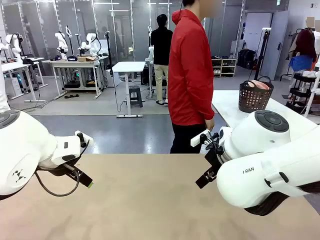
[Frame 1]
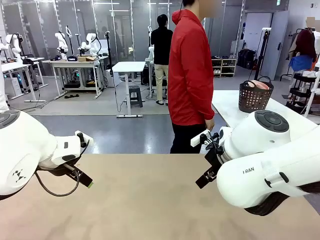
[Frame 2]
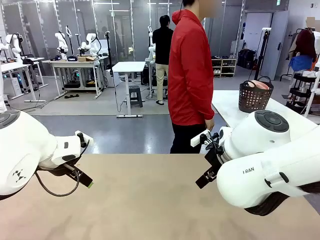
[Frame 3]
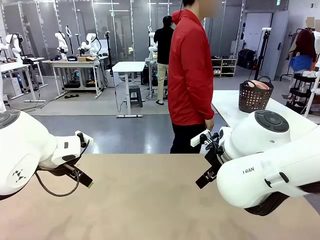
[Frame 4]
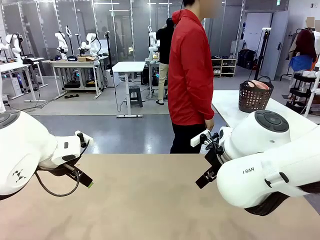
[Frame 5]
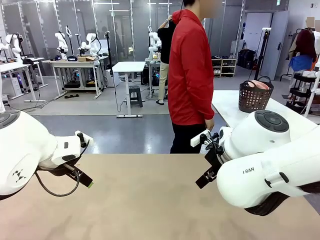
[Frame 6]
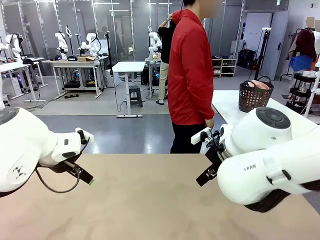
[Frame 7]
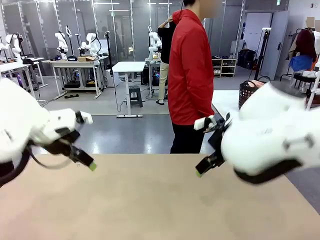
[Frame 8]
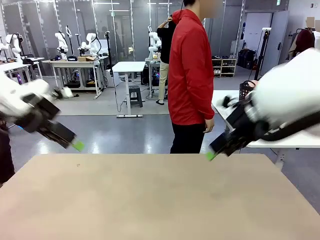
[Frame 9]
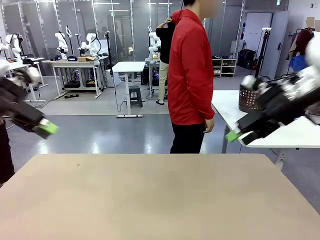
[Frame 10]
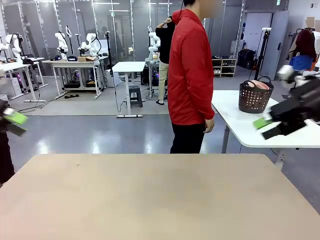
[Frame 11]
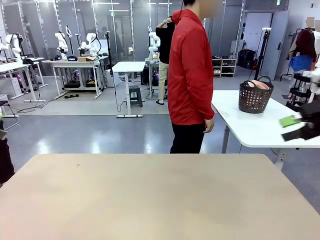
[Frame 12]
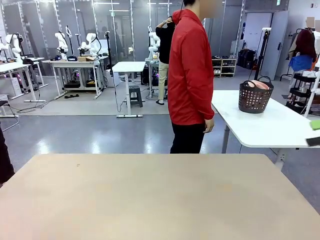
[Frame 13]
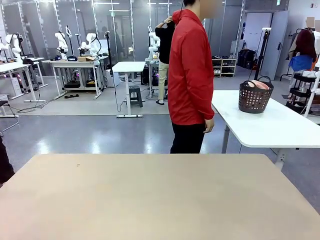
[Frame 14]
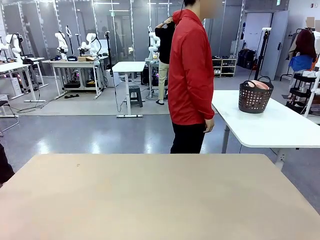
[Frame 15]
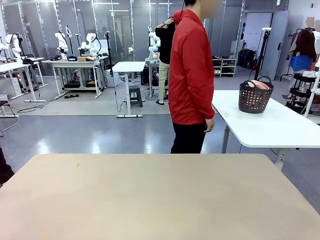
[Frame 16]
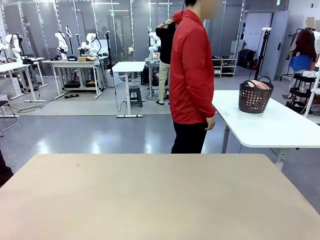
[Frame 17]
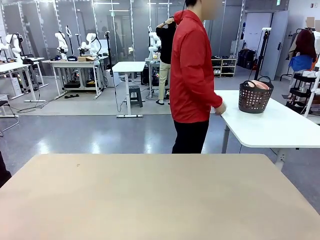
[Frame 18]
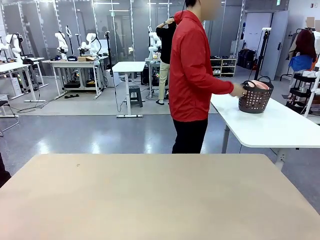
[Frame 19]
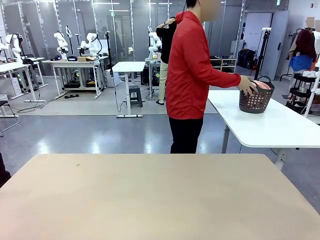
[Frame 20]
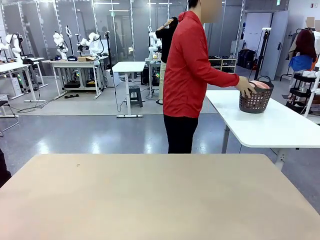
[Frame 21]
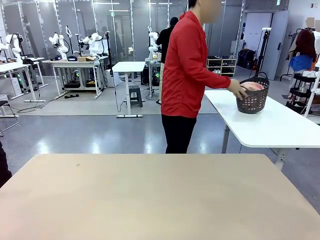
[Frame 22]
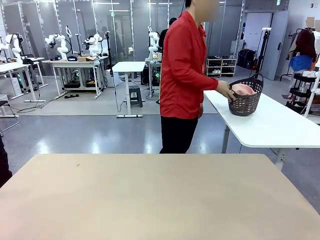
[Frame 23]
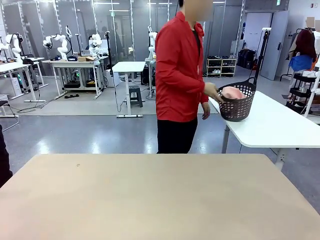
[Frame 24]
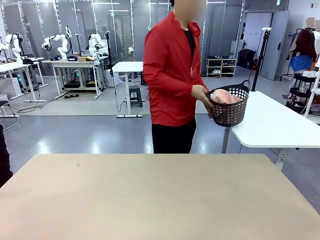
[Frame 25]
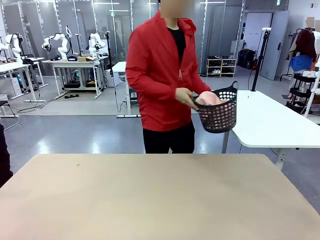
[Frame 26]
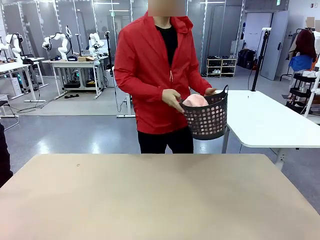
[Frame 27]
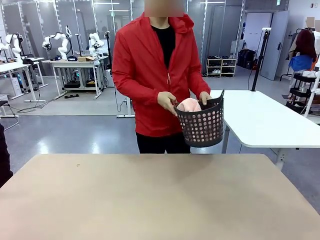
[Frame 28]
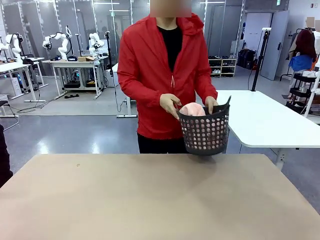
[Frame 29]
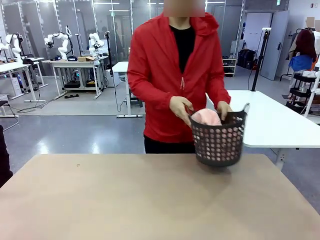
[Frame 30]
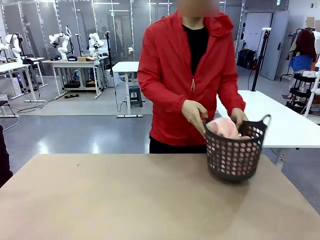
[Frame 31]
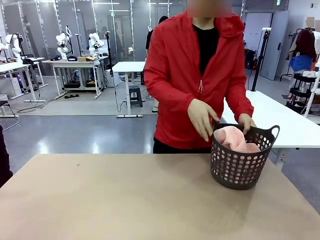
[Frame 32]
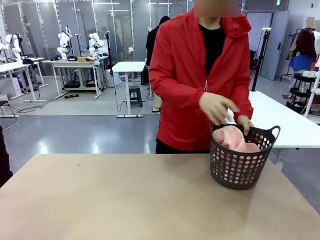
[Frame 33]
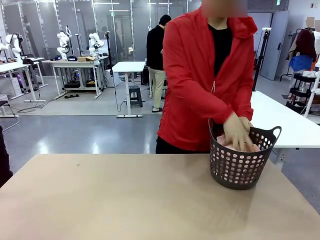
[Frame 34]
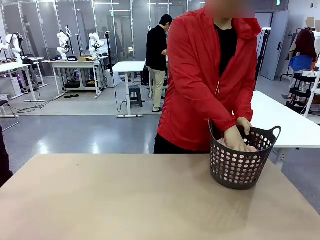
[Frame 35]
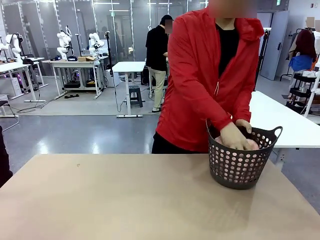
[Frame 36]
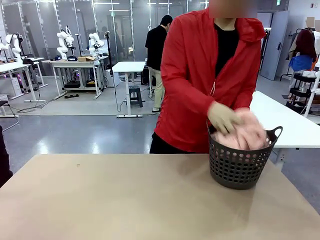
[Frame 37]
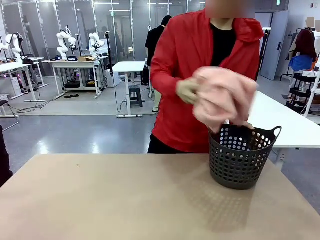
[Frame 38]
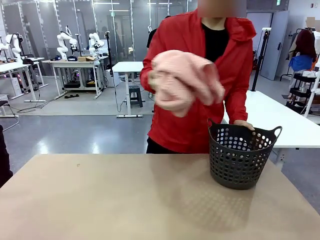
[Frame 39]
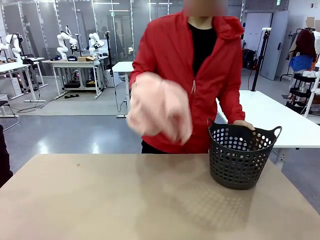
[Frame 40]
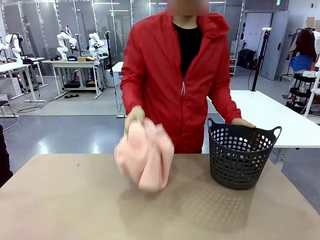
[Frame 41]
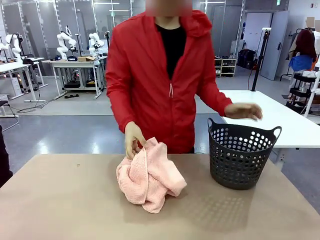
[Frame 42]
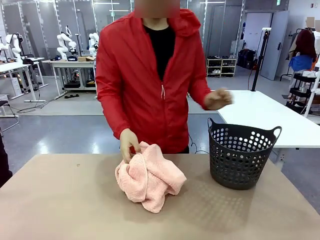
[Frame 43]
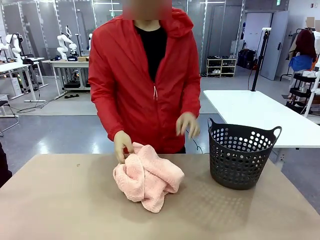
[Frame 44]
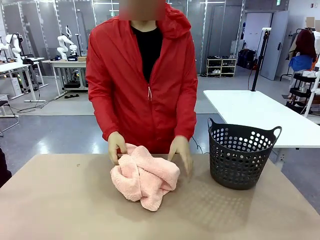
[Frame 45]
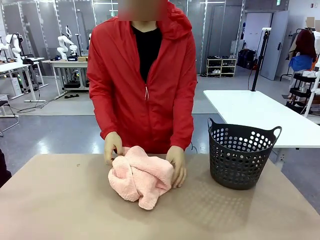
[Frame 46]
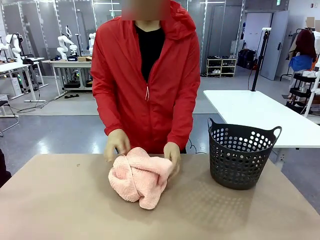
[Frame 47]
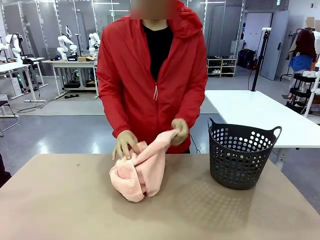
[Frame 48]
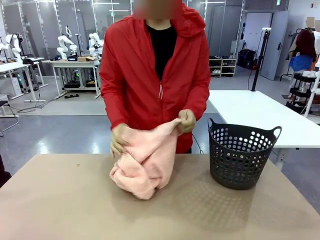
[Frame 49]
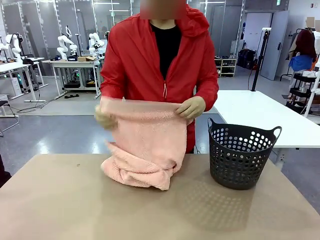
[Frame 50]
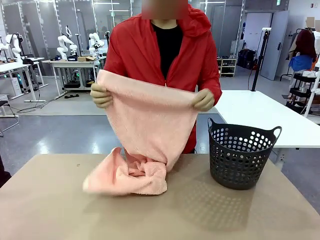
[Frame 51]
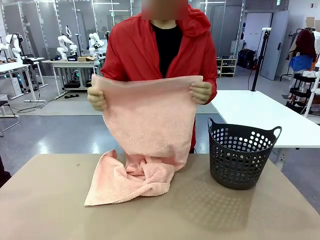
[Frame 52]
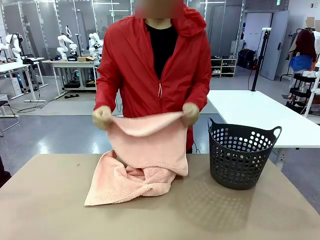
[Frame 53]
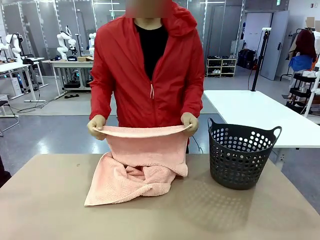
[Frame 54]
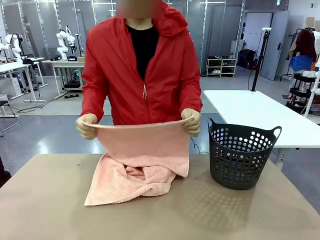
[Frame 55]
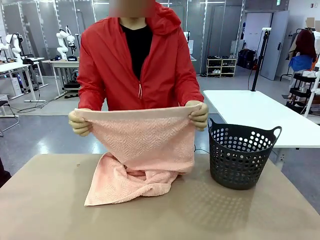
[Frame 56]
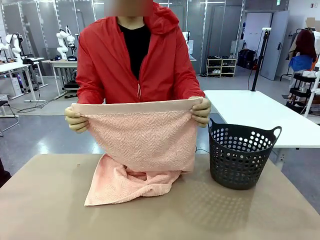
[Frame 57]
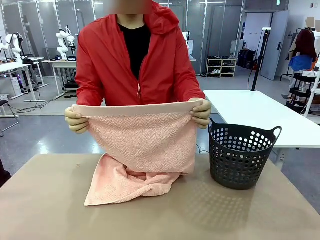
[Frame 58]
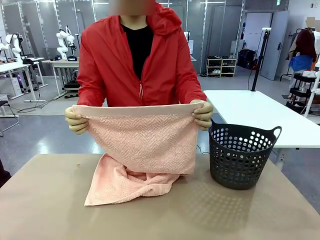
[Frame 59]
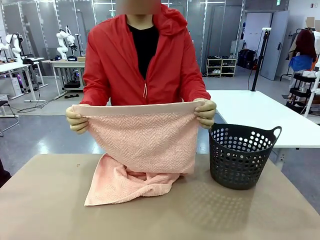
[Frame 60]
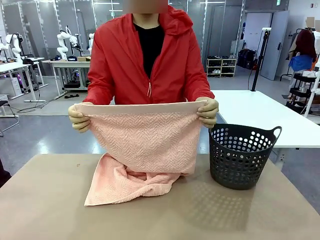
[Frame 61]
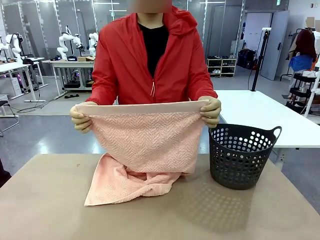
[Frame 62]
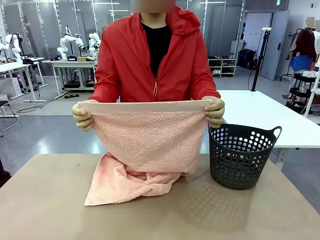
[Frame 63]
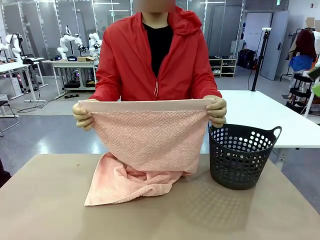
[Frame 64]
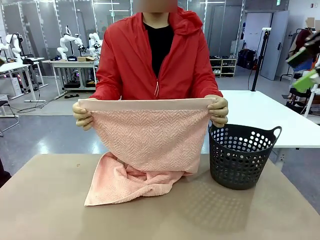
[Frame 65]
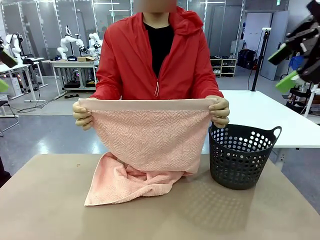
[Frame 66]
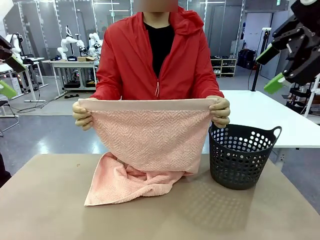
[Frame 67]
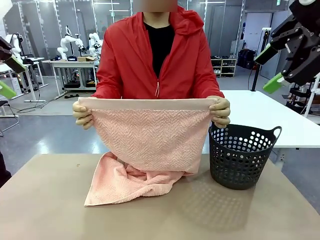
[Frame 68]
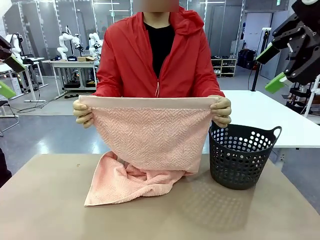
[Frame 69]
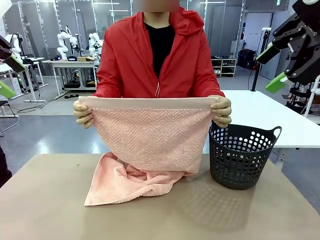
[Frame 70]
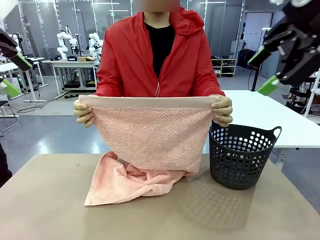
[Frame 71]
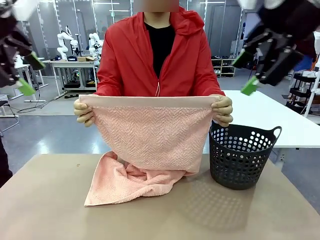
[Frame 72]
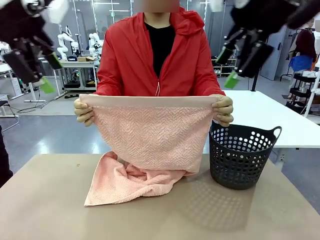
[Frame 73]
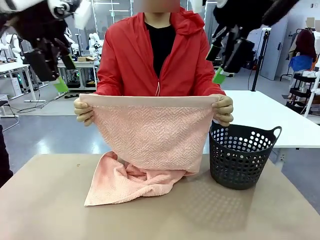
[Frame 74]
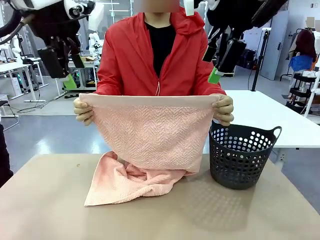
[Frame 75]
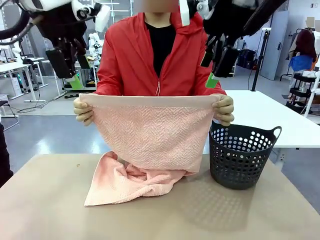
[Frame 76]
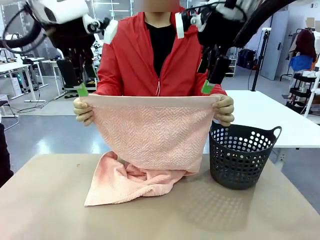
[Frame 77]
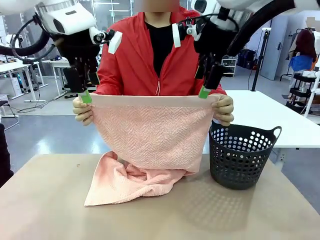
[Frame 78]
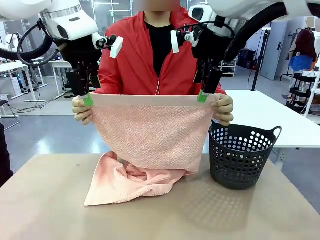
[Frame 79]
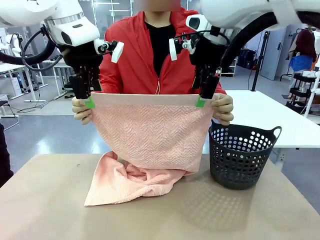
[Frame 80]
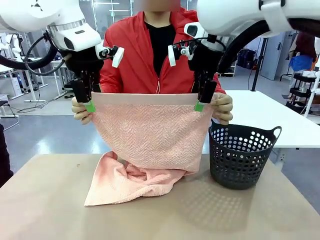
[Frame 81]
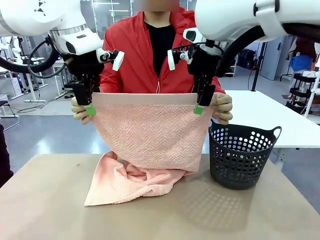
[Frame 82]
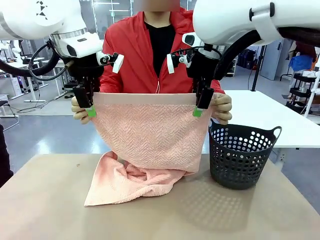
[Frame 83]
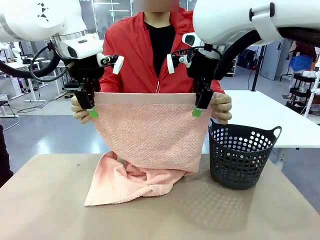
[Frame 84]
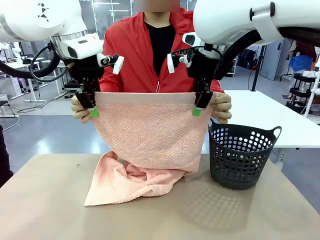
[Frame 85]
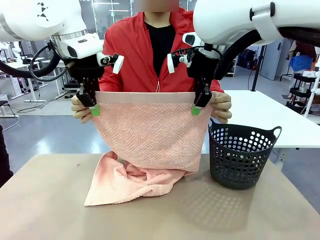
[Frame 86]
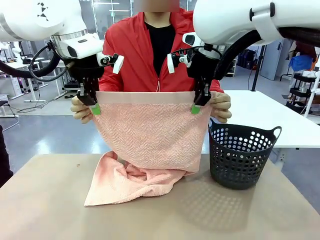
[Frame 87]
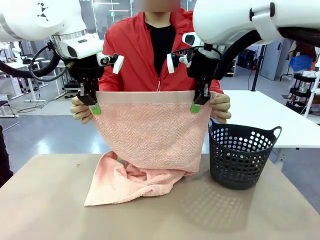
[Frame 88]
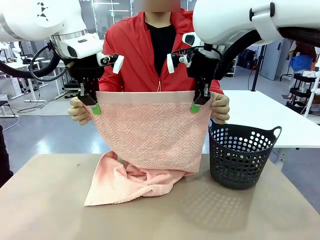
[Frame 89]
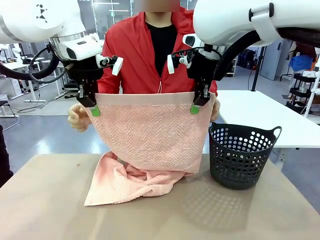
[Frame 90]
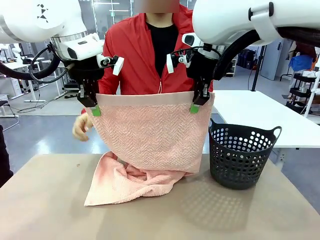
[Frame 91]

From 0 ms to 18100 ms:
Task: Fold the towel.
Robot: Grab the top end of the 100 cm Hotel Towel extended by the human.
Person: Pick up the laundry basket, place it on the left side of the robot table, then take out a towel and hand it to the robot while holding both corners of one end.
